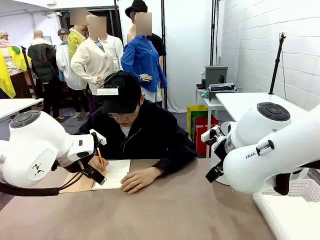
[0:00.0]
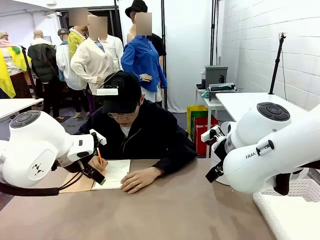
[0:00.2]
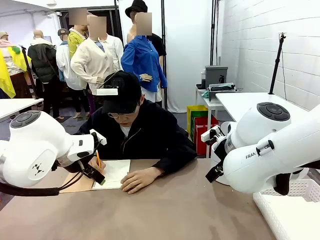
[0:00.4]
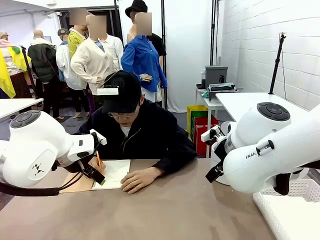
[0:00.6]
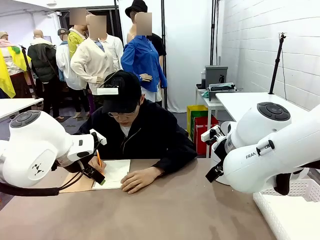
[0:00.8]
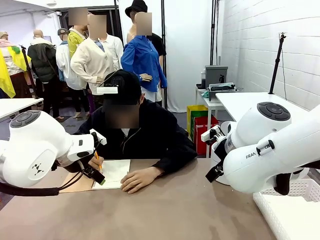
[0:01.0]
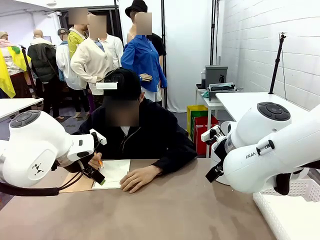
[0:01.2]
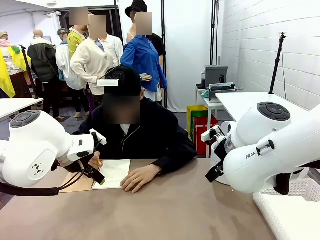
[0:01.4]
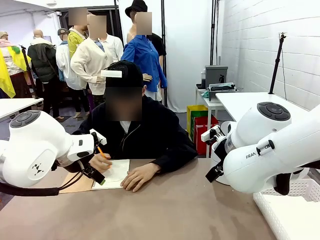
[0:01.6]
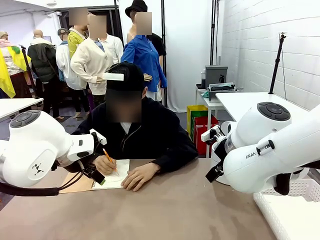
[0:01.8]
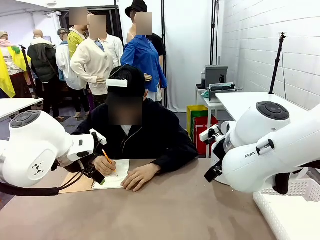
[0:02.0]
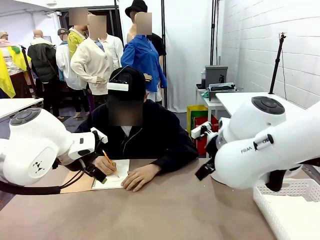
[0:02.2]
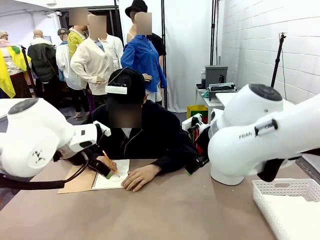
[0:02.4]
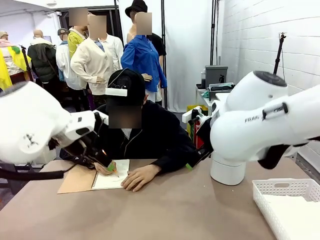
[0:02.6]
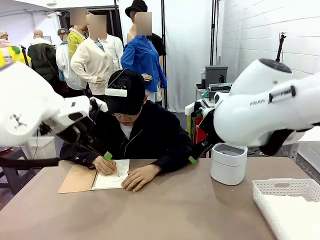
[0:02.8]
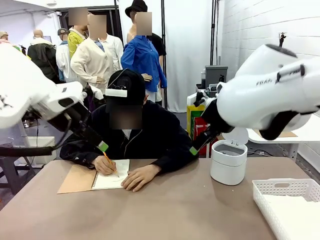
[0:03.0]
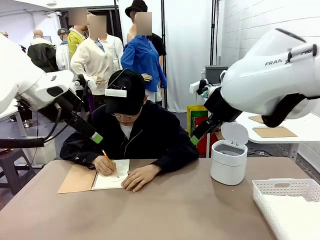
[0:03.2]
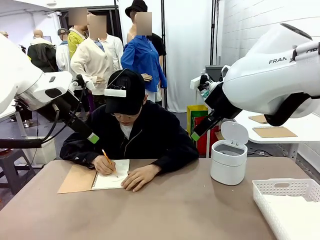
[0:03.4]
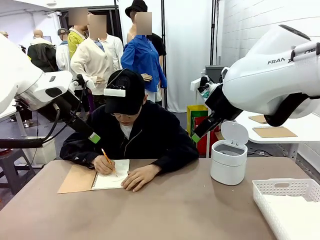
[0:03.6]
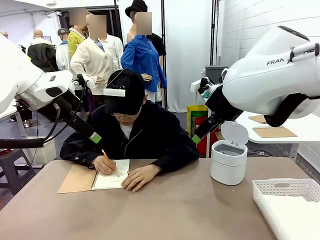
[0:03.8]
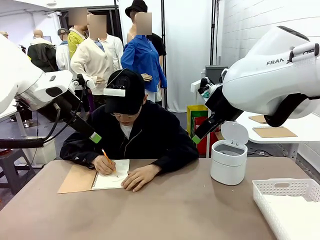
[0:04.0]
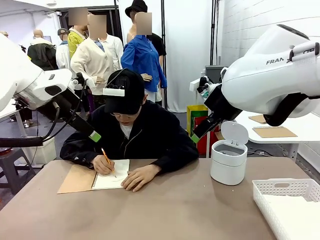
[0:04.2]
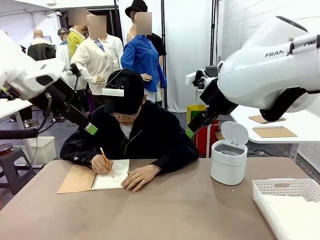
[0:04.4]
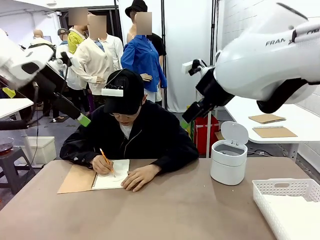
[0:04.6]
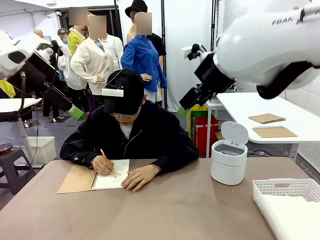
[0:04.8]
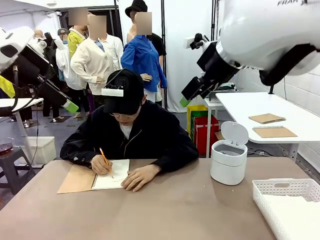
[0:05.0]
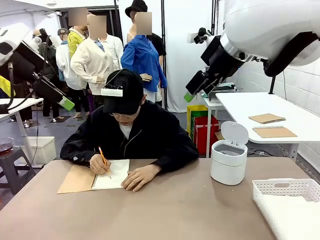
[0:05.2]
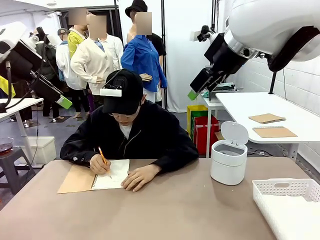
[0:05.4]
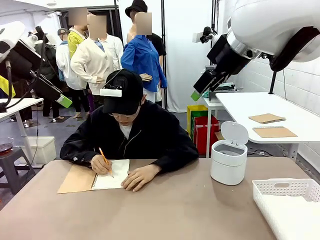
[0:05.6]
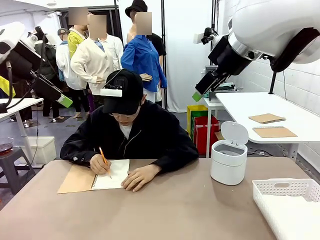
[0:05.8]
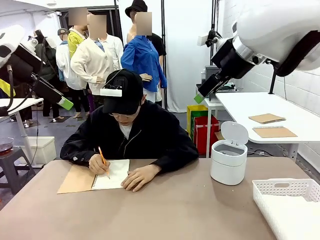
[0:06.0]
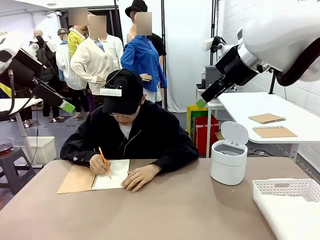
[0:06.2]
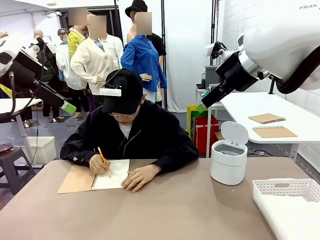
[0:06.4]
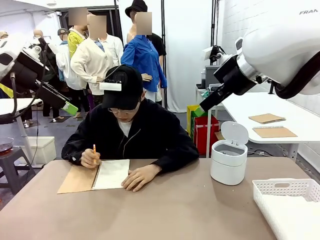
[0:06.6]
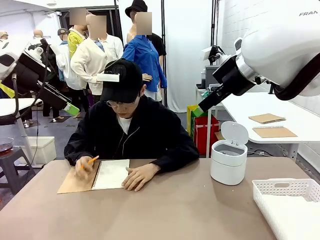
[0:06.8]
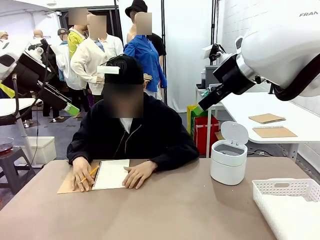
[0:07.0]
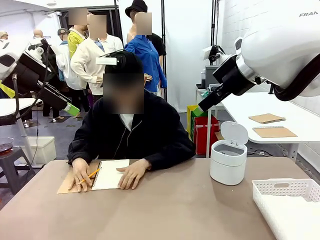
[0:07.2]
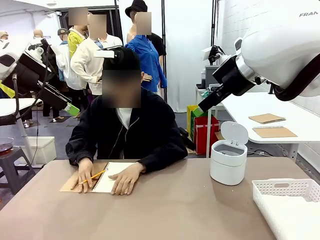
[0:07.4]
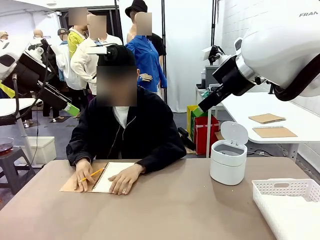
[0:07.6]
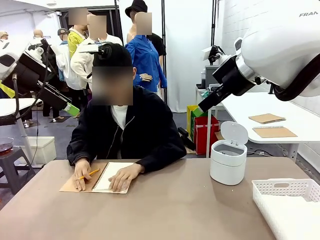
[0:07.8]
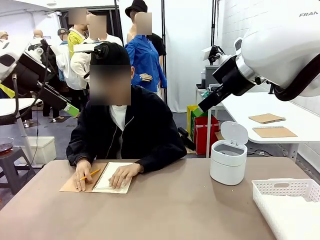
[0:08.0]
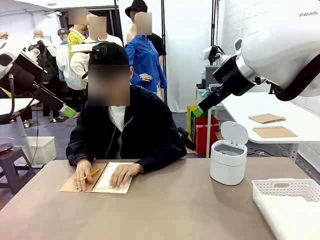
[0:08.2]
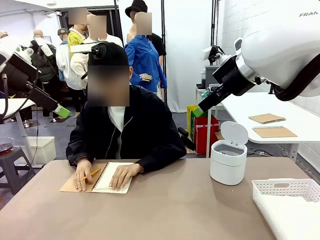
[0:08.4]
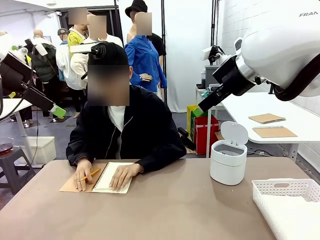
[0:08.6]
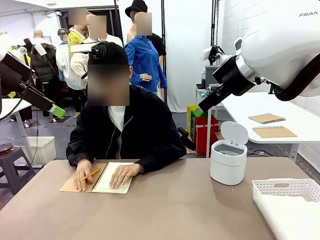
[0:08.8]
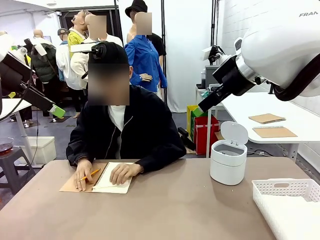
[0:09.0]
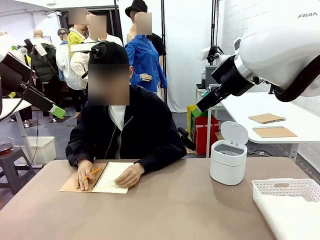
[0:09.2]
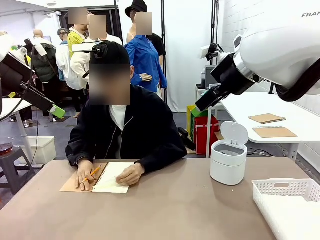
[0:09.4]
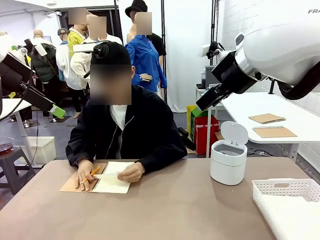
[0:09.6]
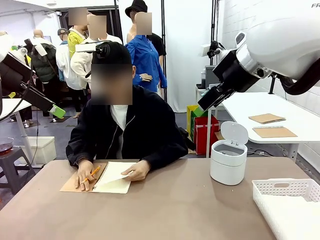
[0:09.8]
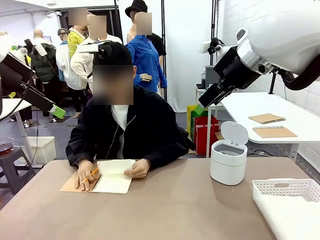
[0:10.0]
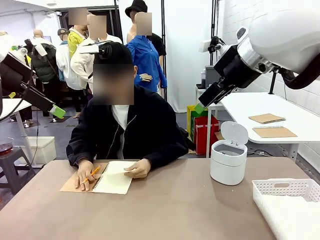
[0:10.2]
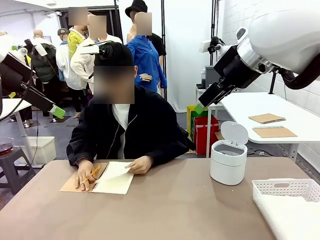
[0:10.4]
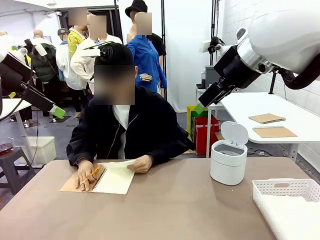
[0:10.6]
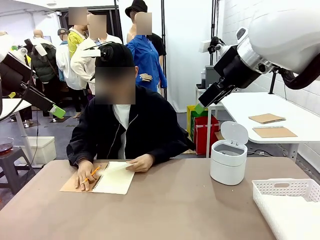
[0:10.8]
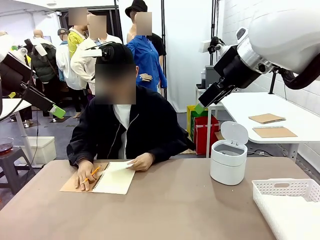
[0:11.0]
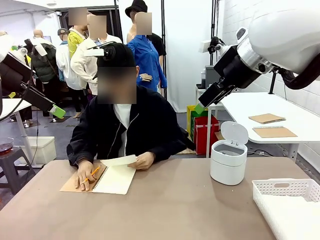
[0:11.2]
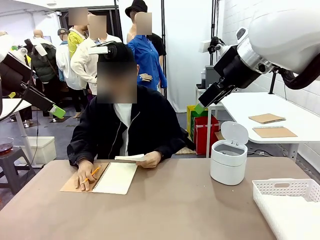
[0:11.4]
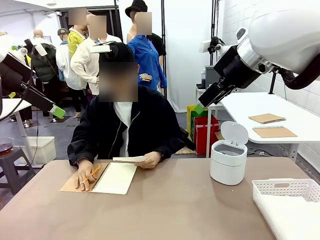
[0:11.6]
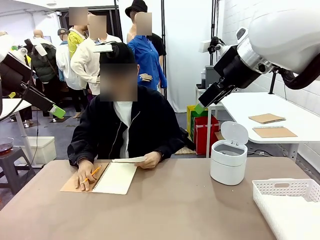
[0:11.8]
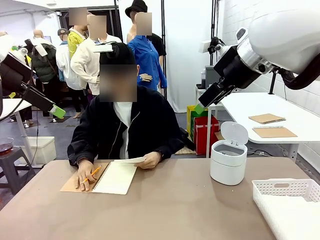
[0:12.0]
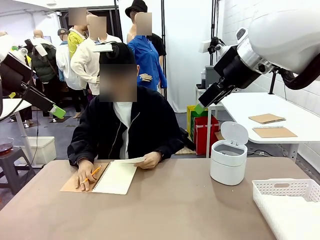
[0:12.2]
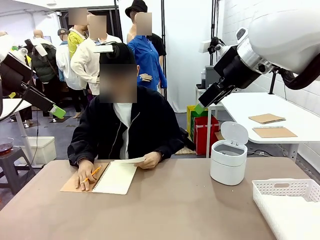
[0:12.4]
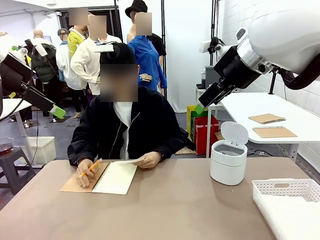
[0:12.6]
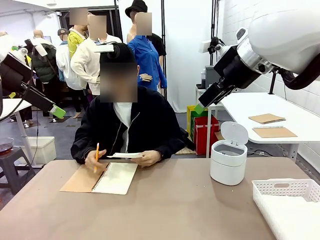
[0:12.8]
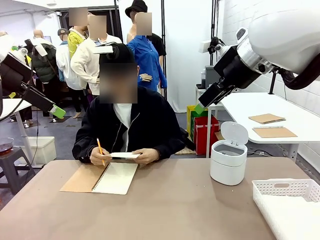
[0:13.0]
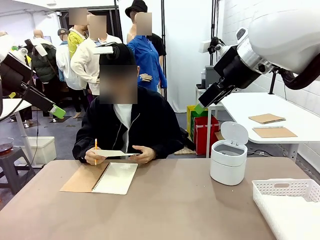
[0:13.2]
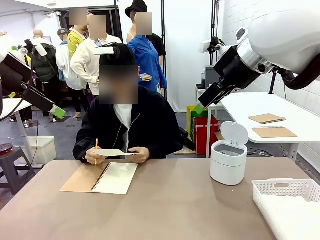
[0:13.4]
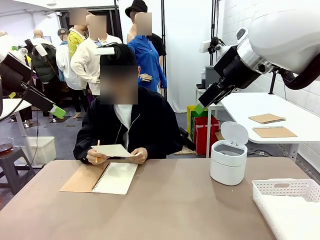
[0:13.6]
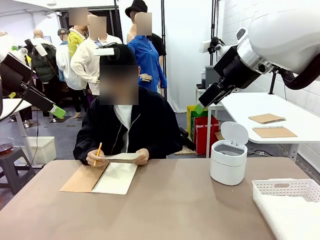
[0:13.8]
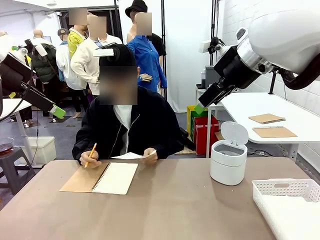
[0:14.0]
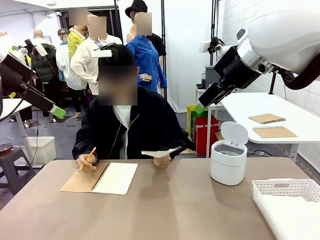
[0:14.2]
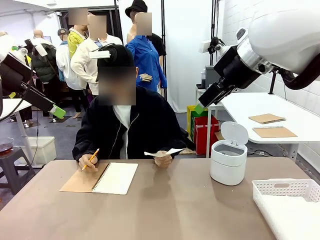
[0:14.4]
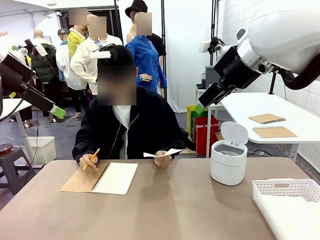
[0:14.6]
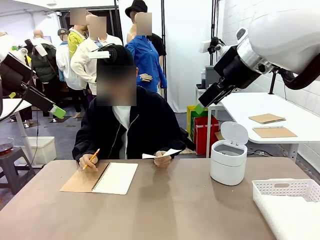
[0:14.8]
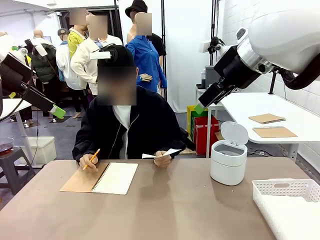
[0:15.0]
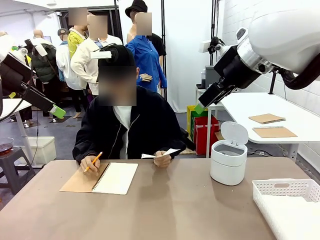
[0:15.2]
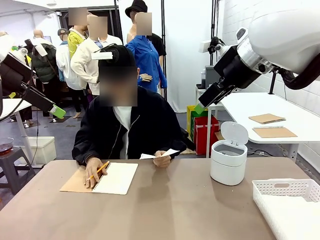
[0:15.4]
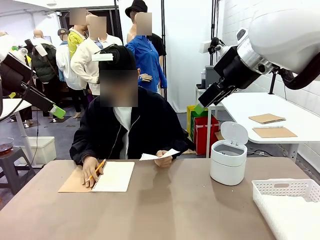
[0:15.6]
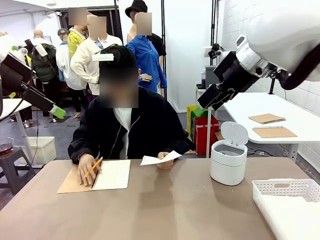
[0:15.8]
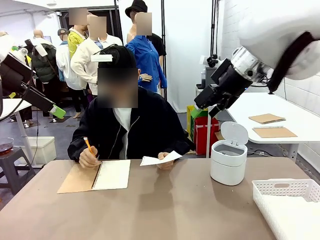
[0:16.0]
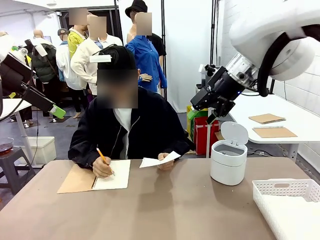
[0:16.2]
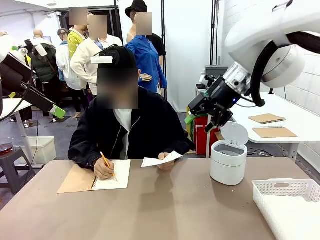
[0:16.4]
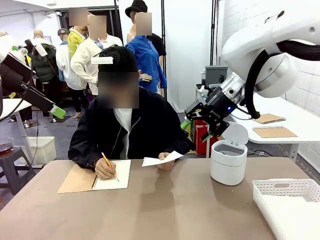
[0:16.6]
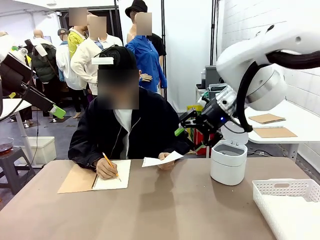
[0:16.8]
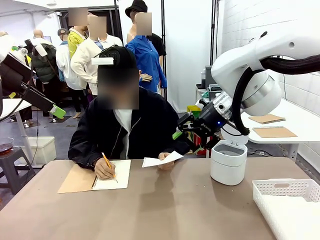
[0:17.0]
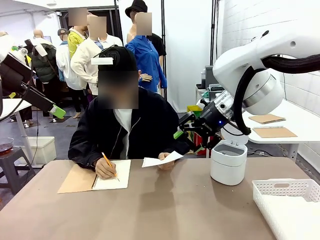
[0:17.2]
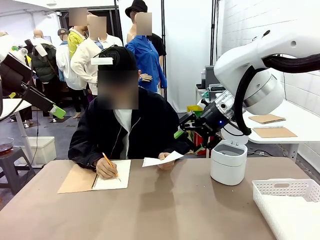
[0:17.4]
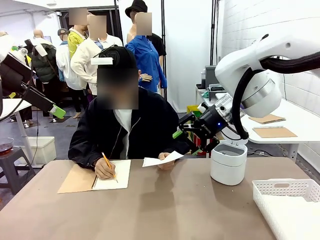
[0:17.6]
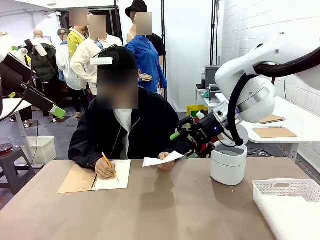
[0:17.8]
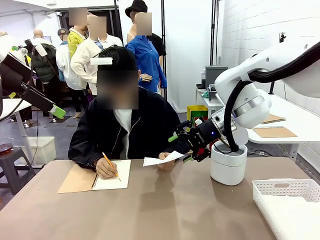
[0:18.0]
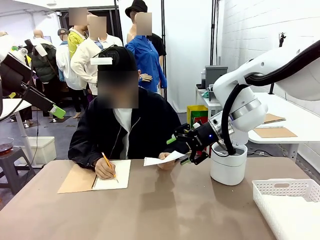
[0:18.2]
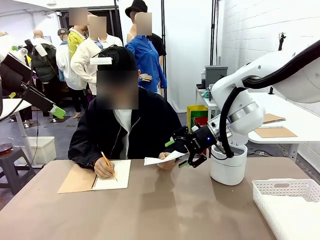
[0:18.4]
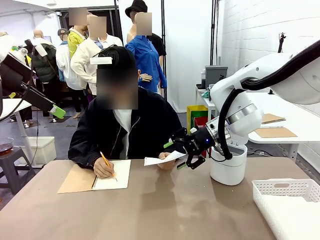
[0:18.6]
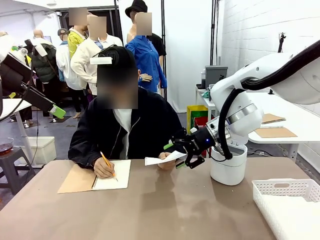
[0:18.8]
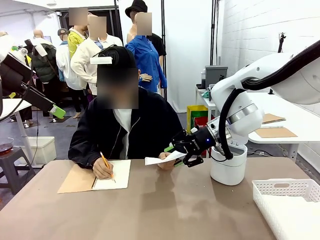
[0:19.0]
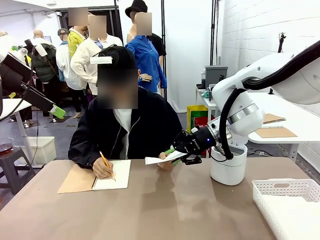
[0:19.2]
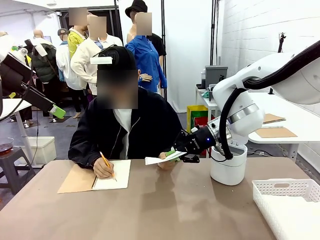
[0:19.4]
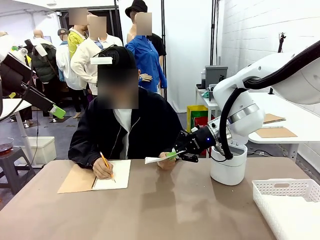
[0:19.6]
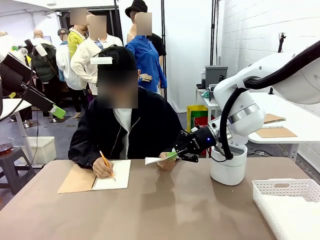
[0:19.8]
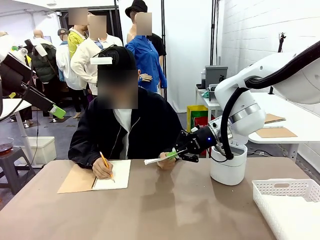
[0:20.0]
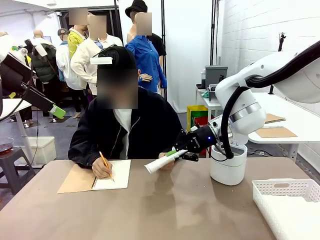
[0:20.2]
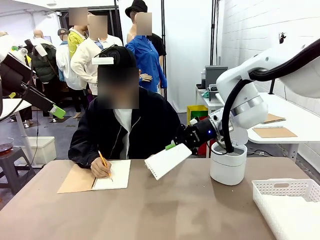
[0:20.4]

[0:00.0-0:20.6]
Task: Sort the paper based on its condition.
Robot: If a person hands you a paper, place it in the Organizing basket , and if it's crumpled, put it in the Trash can.
Person: Tear out a page from the spiral notebook. Hand the torn page to the robot or crumple it and throw it to the center of the table.
